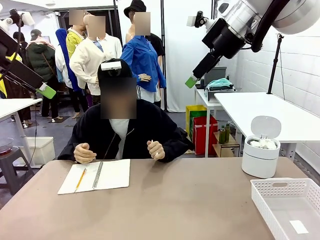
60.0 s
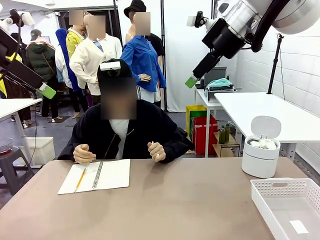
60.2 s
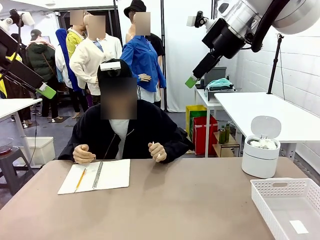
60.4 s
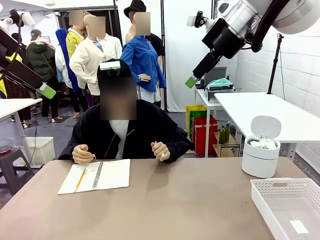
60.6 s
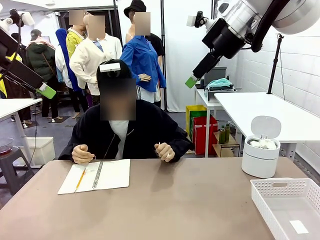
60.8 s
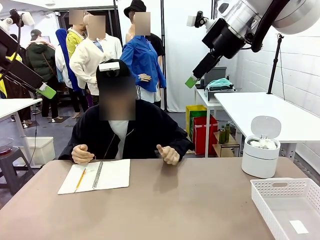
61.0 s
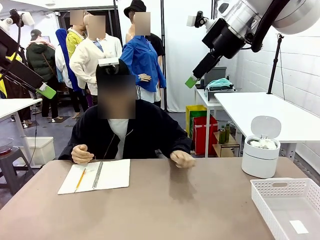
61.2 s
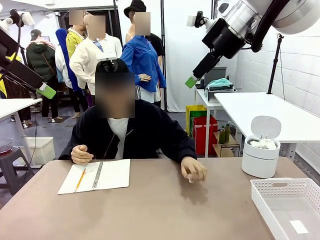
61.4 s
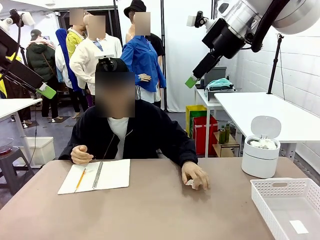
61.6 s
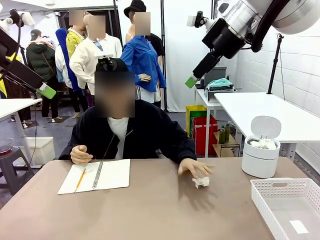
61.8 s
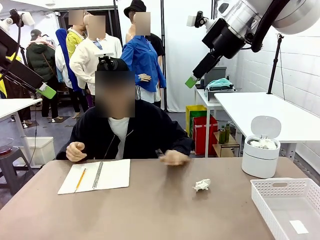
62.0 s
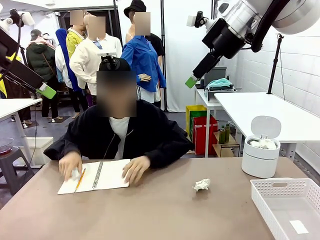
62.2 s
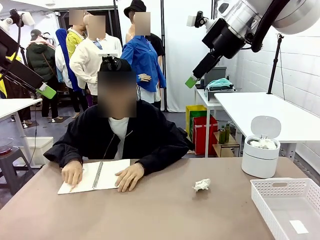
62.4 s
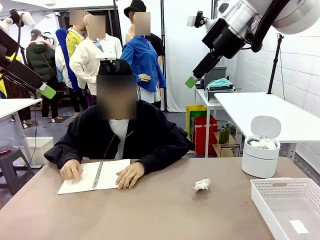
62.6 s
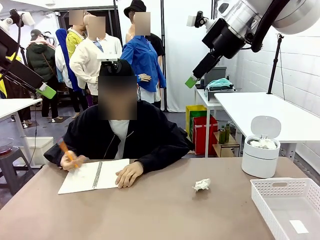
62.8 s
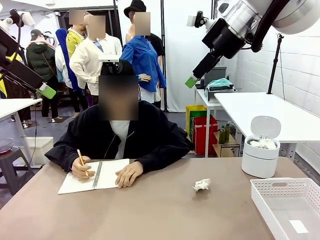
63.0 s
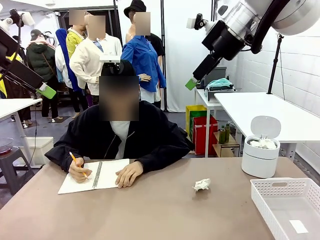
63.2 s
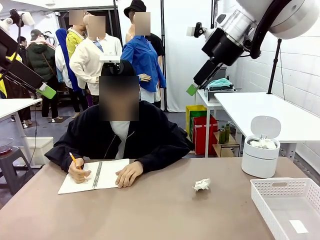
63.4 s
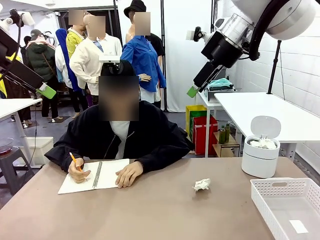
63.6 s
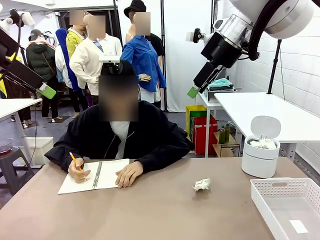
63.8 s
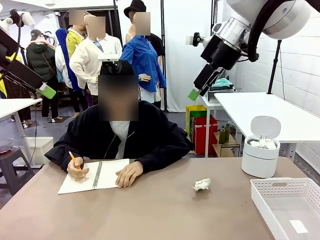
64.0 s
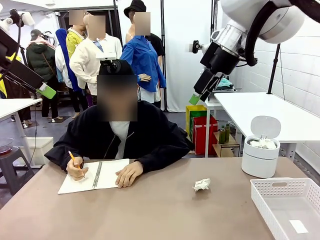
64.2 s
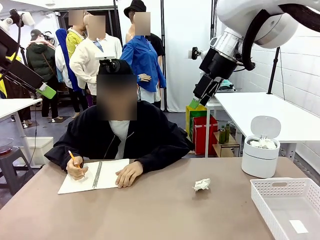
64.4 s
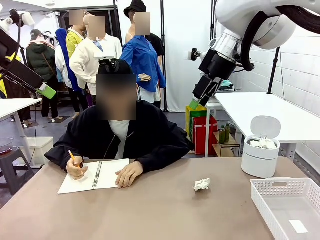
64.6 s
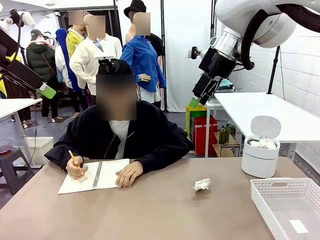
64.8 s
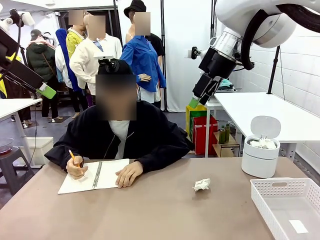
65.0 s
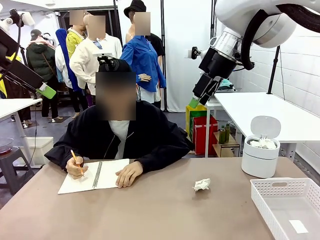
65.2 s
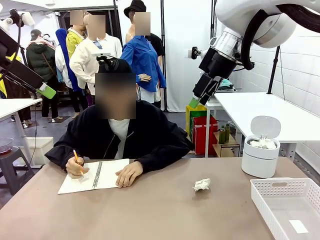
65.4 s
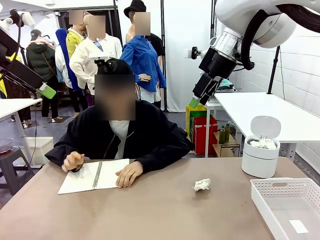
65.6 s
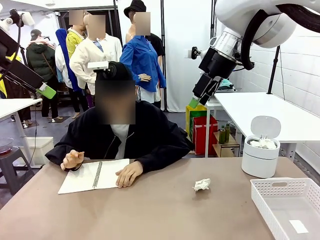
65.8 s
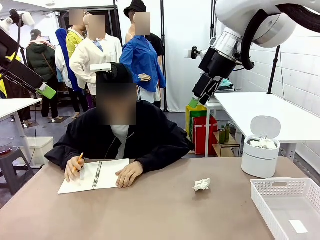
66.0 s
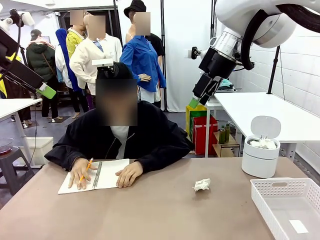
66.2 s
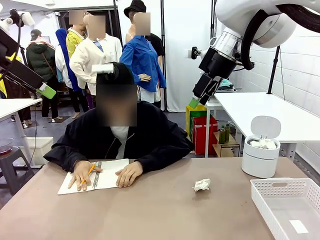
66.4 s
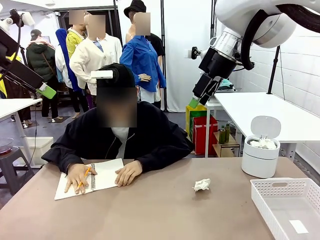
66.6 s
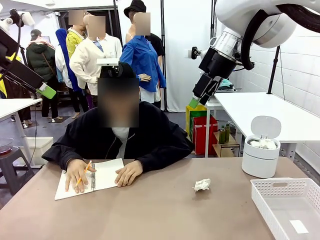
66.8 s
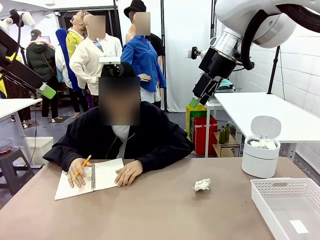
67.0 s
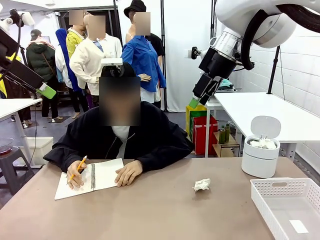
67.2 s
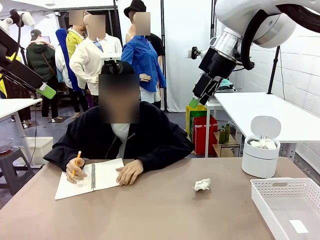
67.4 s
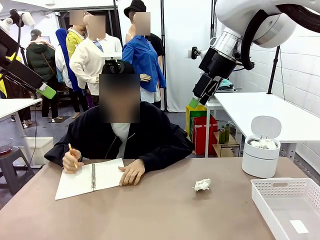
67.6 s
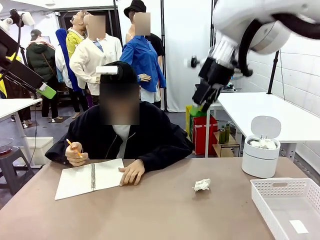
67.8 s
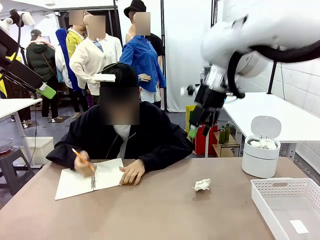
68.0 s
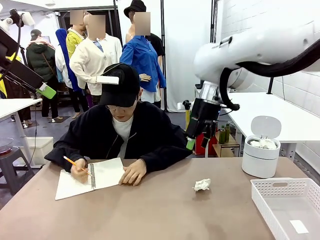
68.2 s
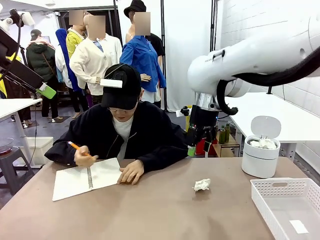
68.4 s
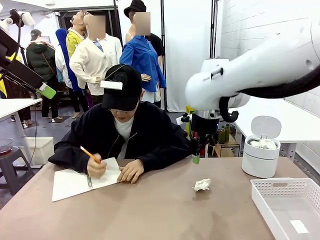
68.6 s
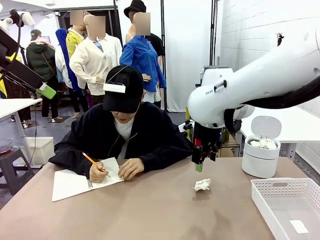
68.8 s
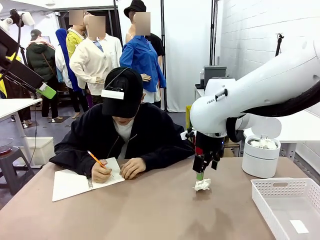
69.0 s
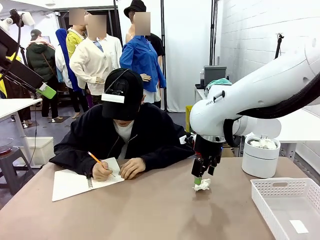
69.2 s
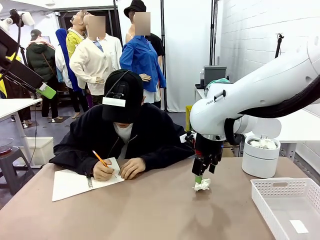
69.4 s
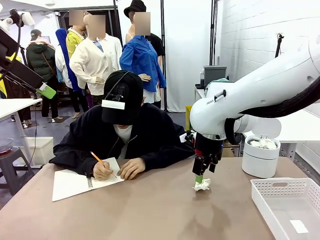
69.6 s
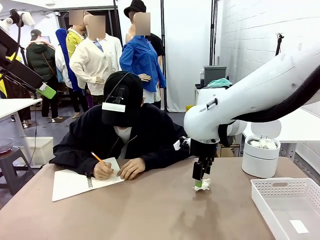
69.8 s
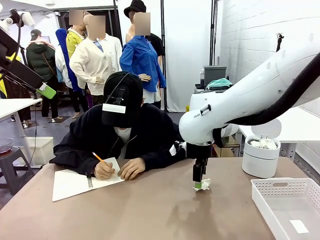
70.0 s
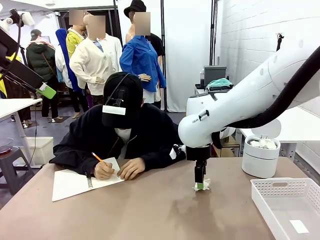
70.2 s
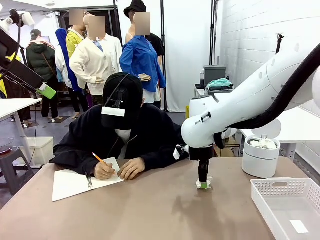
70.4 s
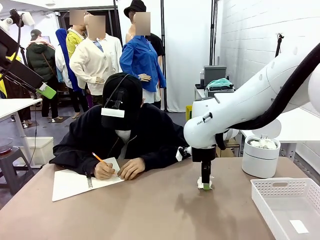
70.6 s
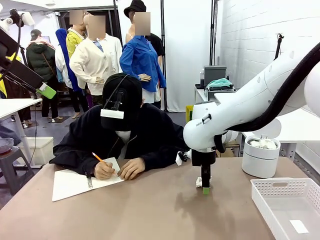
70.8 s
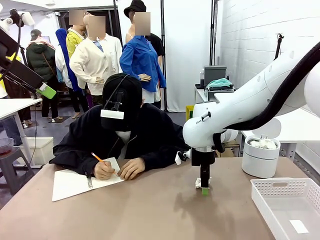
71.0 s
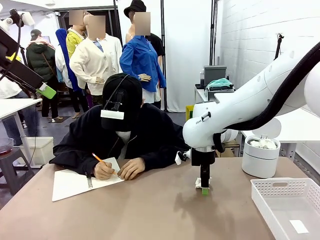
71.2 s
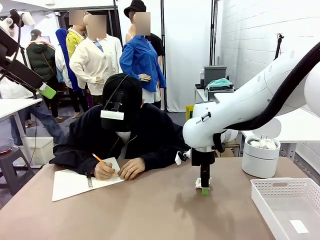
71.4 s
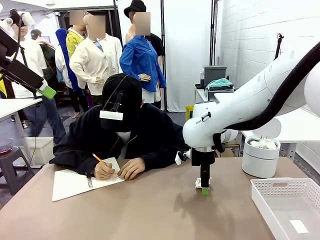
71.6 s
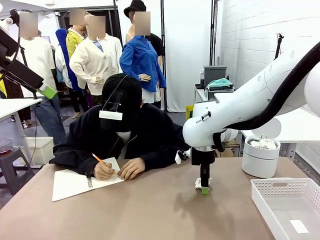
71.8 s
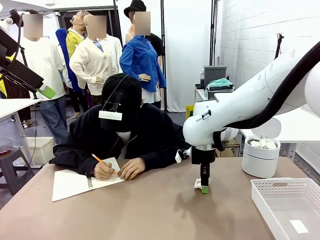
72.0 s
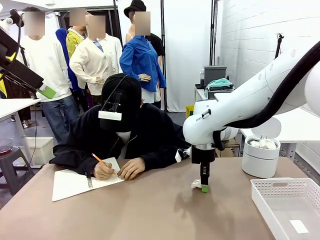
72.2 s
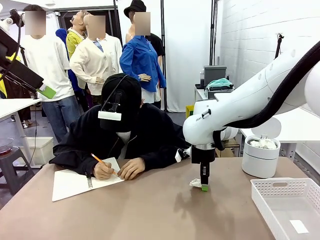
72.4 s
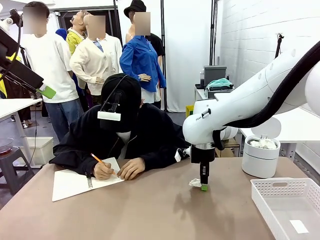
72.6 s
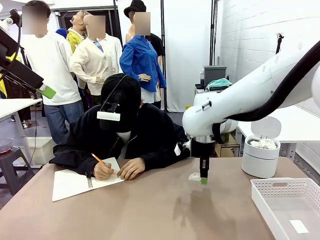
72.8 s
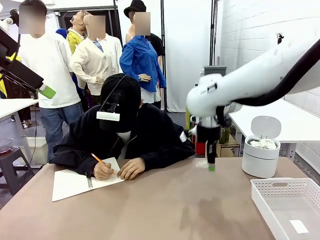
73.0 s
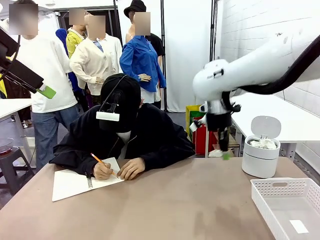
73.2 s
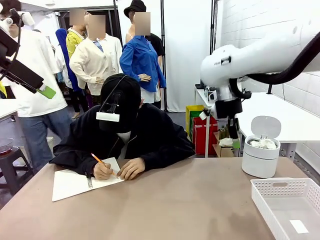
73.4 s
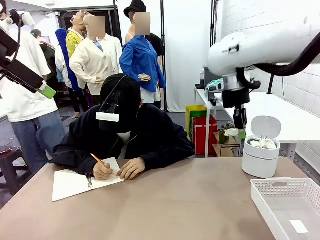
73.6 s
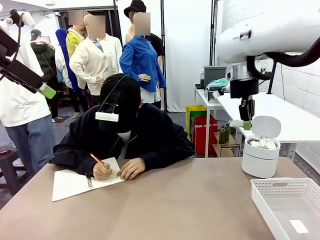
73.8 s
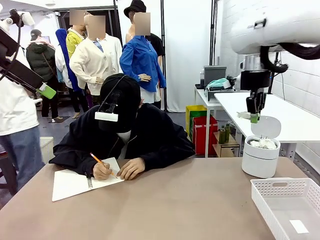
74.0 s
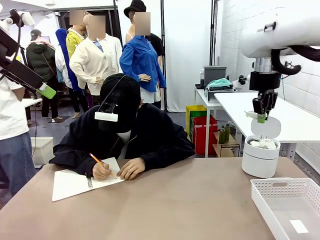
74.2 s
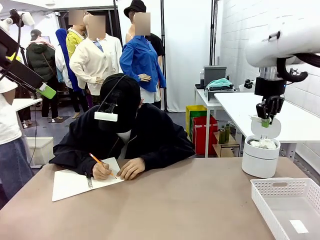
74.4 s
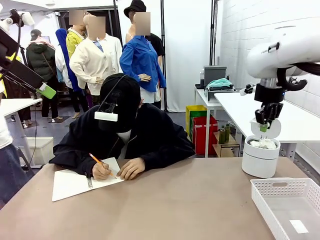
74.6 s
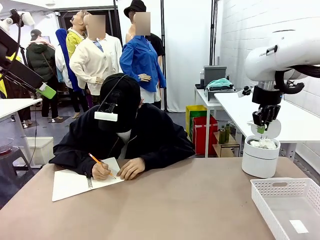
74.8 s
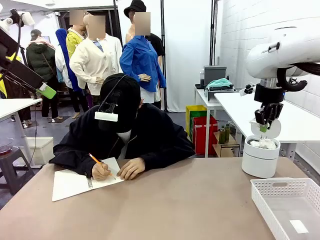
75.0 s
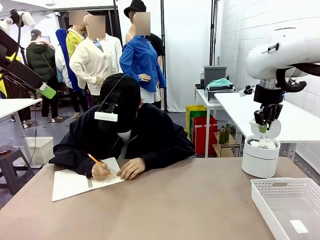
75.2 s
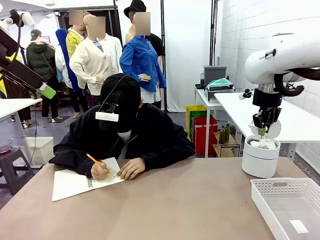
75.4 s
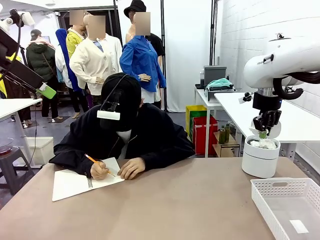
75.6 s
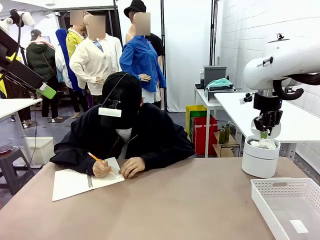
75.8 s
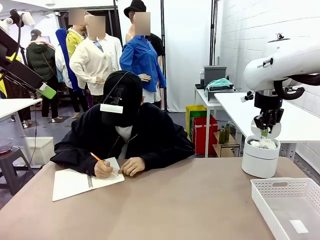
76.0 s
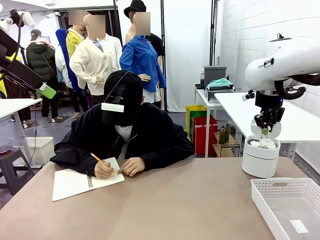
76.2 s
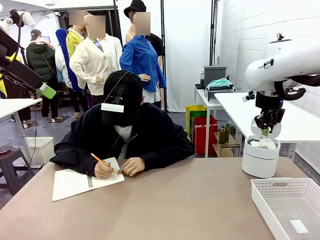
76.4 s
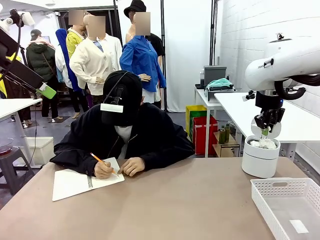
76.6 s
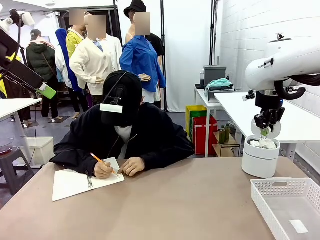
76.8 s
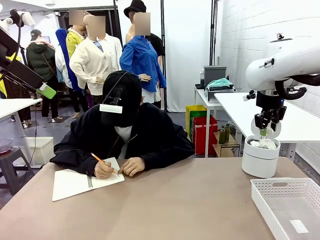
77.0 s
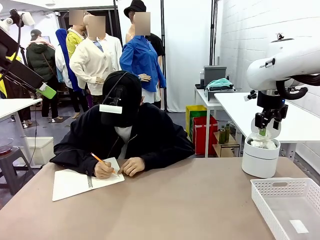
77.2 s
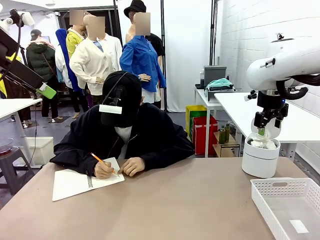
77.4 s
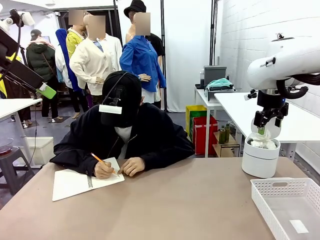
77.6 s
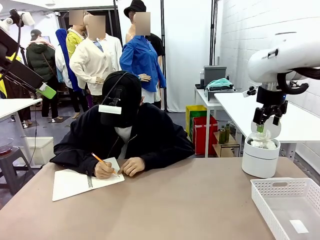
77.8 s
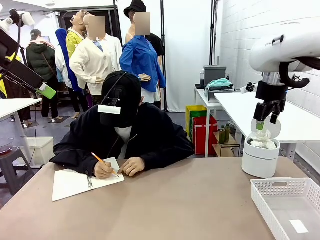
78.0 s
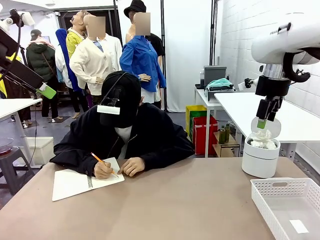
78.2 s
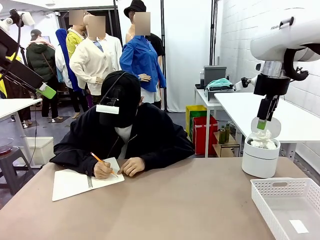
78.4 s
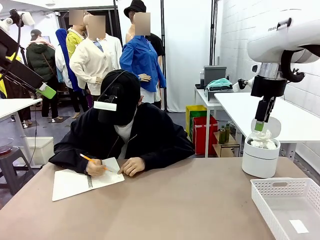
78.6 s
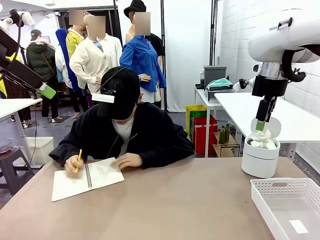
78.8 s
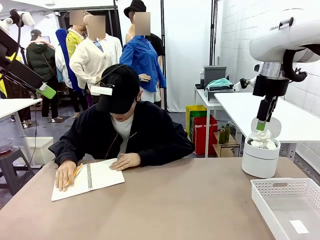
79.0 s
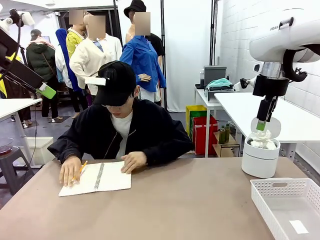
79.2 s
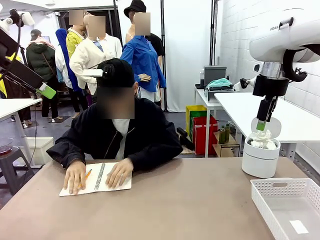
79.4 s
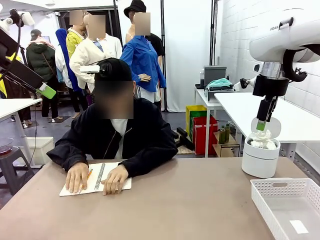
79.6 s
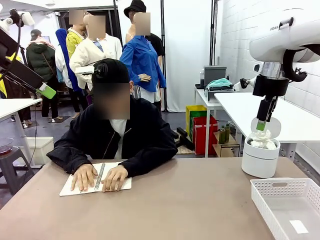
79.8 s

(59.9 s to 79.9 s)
Task: Sort the paper based on its condition.
Robot: If a person hands you a paper, place it in the Organizing basket , and if it's crumpled, put it in the Trash can.
Person: Hand the torn page to the robot or crumple it and throw it to the center of the table.
